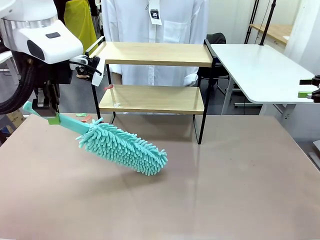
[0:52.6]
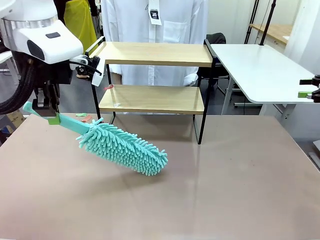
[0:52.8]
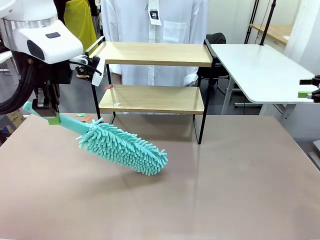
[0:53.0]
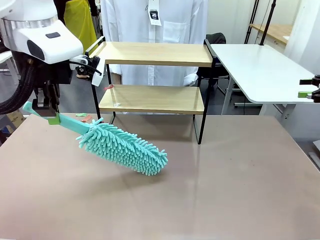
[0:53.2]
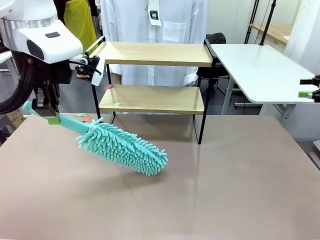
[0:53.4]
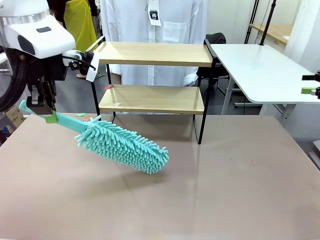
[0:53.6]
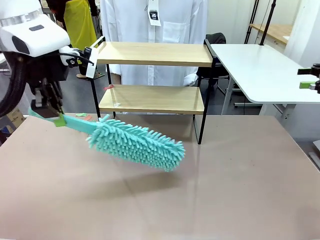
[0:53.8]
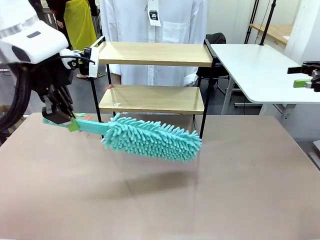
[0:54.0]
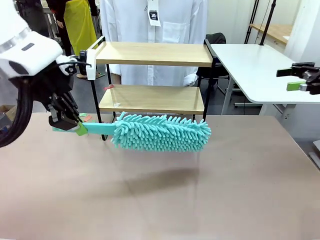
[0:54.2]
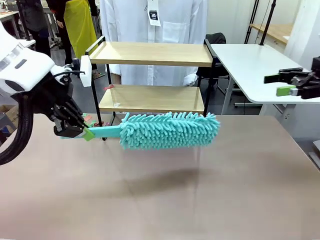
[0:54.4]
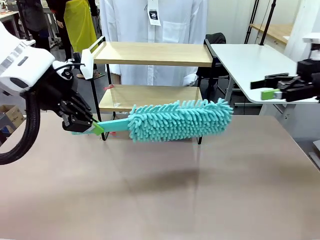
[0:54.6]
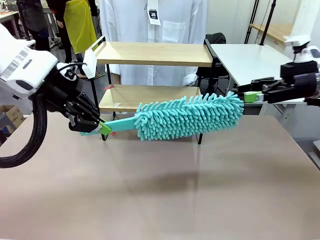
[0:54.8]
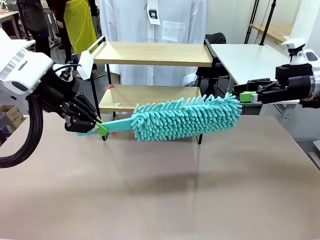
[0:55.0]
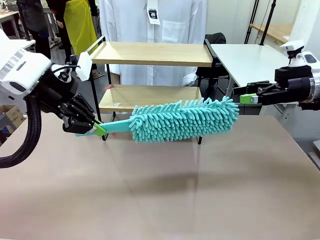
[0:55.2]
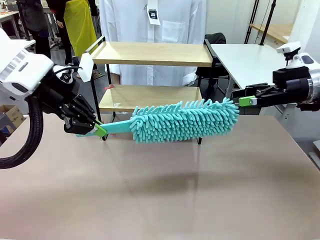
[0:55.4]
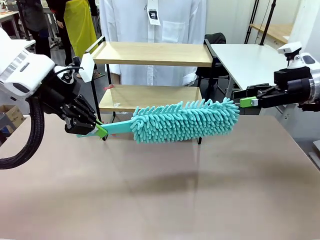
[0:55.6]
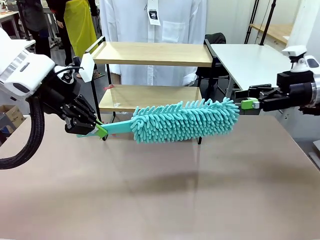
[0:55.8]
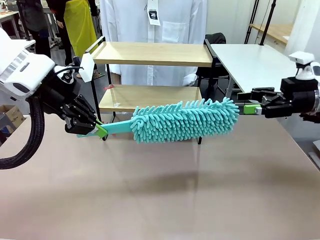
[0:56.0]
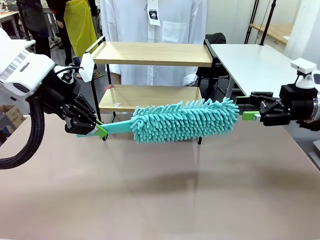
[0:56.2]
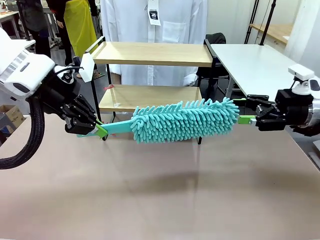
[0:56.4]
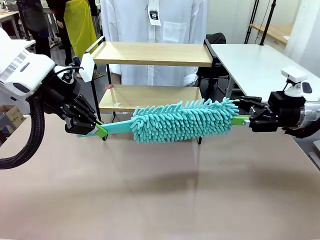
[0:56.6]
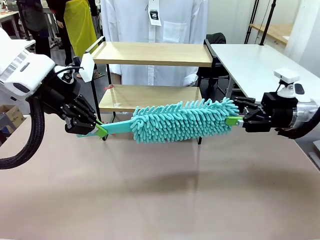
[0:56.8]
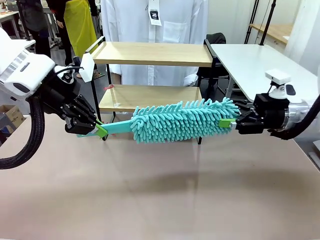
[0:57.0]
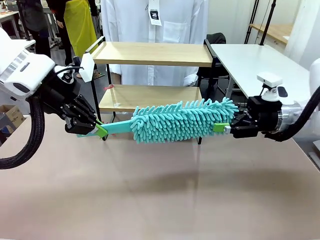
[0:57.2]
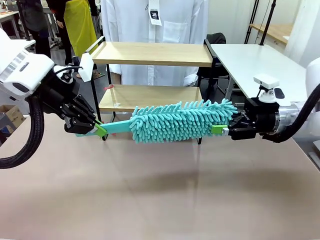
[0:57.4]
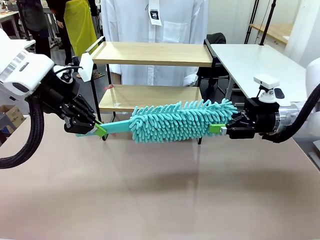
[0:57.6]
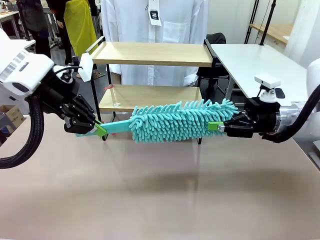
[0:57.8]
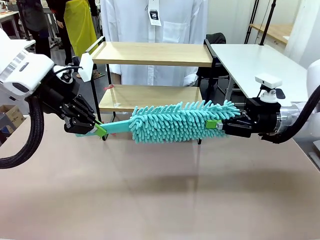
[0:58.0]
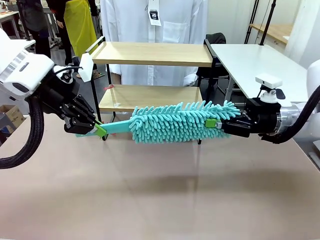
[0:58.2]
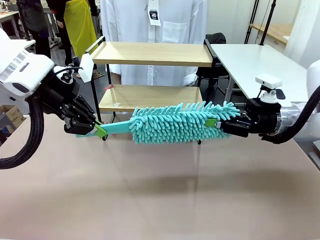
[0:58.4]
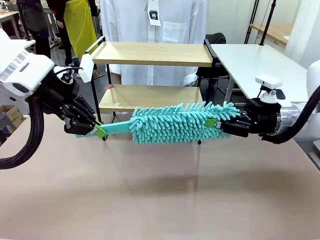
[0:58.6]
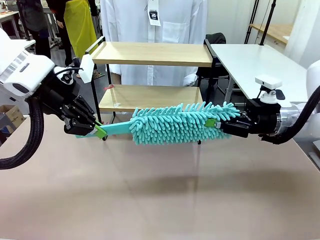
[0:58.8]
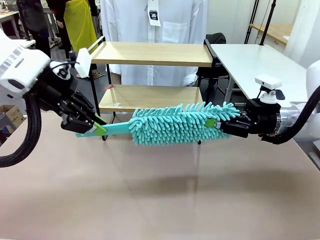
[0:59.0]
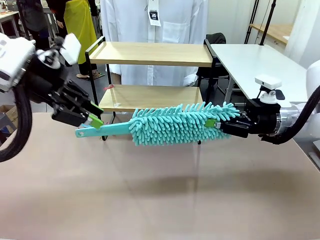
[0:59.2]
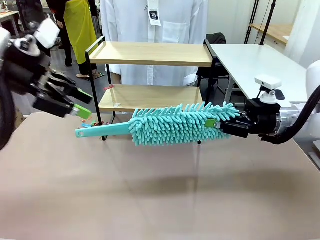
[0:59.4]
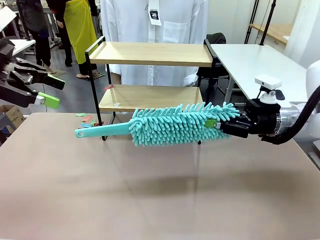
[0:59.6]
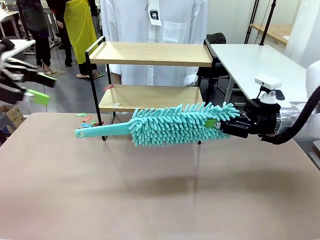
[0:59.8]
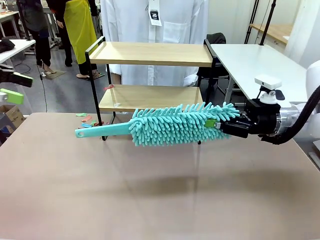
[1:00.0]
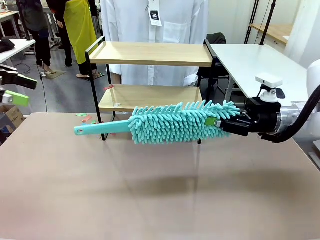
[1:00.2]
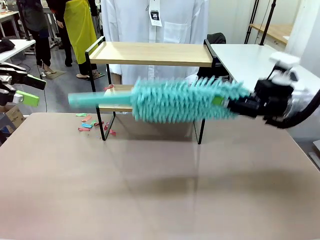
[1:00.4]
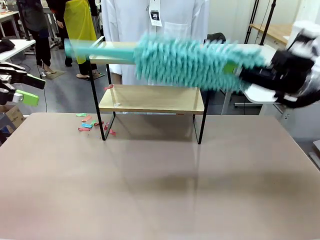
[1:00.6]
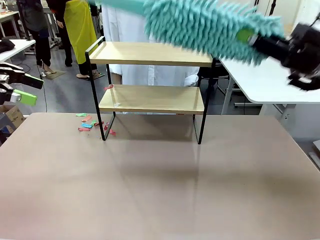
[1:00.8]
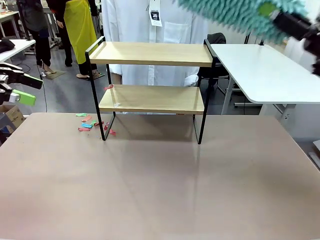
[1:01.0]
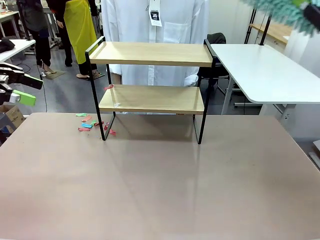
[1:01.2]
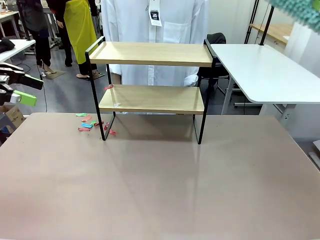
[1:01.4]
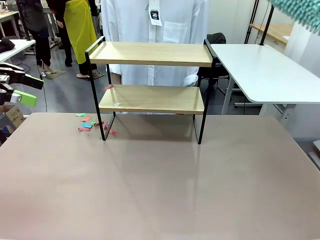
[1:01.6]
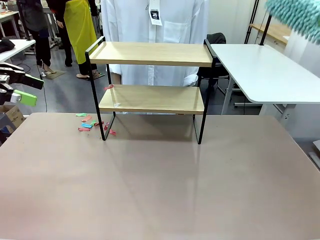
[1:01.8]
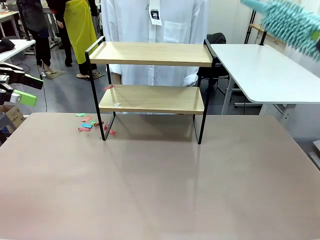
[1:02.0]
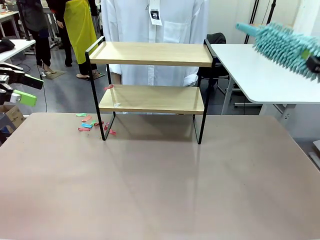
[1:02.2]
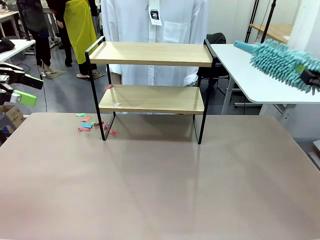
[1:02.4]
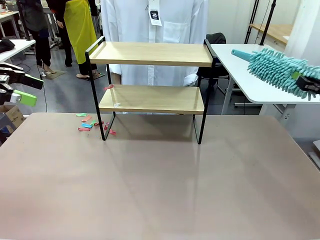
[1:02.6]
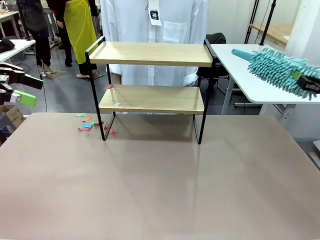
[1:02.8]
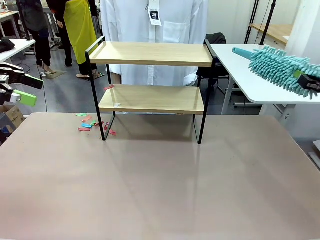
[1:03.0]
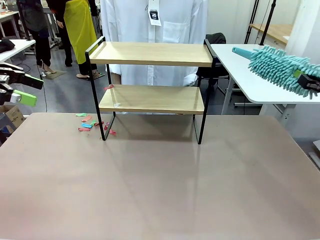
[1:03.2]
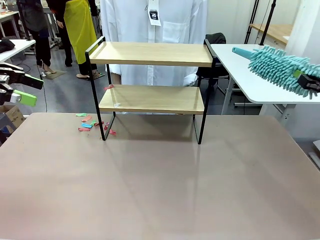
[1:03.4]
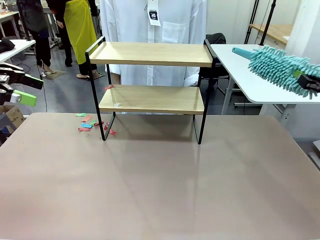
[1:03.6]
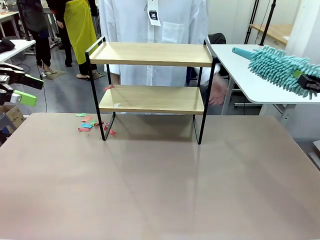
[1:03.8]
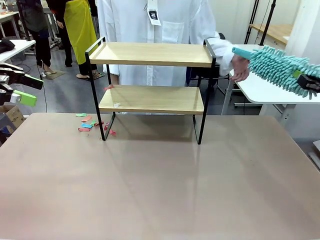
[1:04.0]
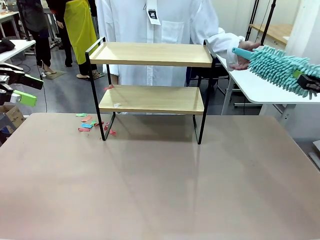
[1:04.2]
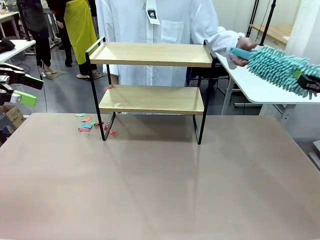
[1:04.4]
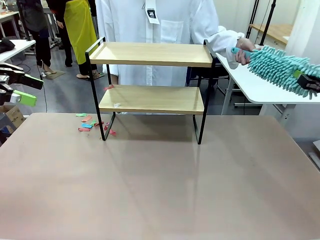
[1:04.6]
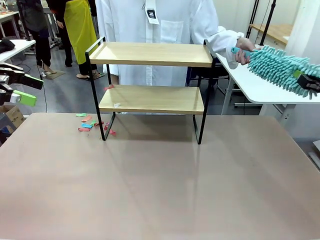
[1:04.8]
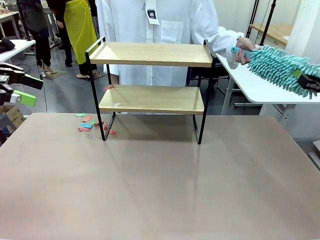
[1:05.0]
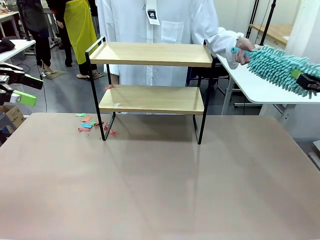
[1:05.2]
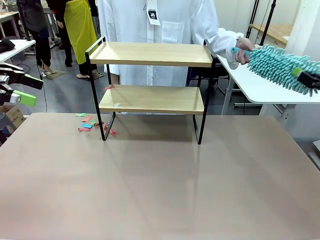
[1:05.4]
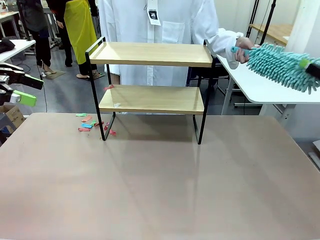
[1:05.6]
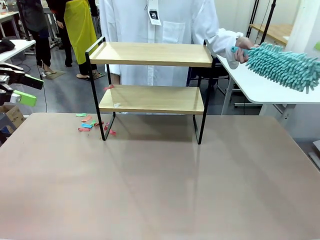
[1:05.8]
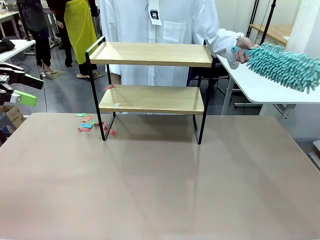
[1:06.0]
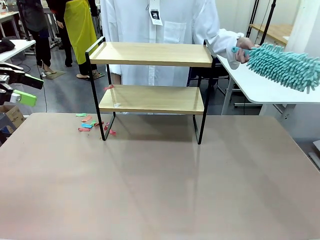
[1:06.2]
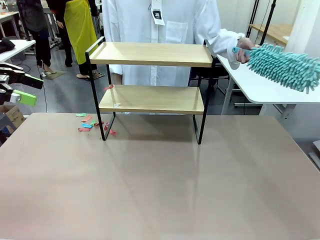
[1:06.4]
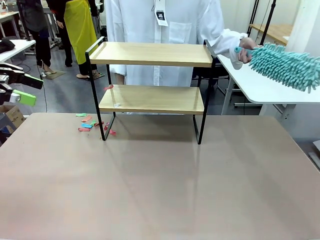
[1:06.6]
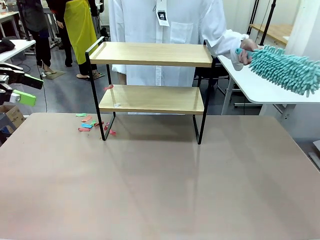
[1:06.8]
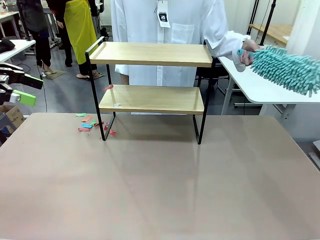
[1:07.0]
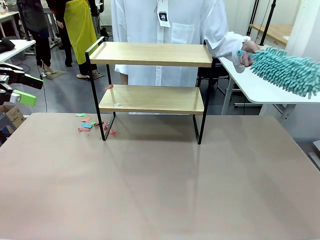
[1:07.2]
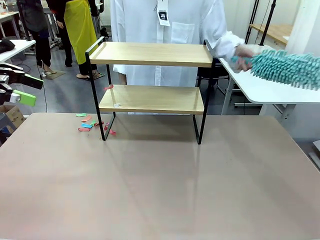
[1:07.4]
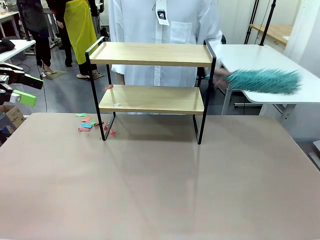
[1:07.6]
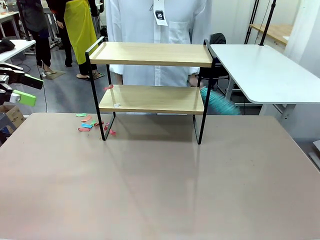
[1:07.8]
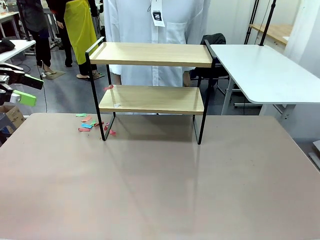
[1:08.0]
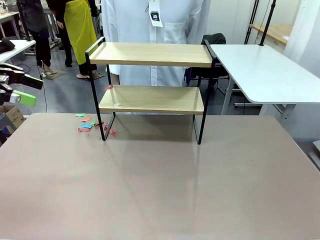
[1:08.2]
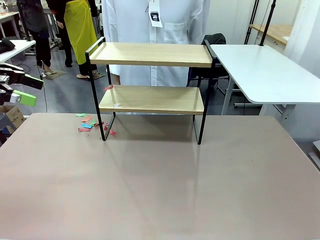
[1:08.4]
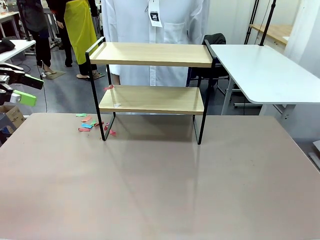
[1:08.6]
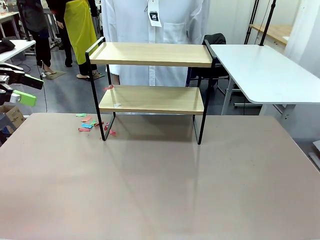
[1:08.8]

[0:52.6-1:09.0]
Task: Clean the shelf.
Robot: Hand the Duster back to the human.
Person: Receive the Duster from the robot.
